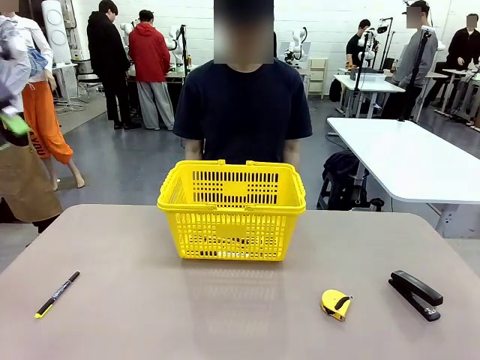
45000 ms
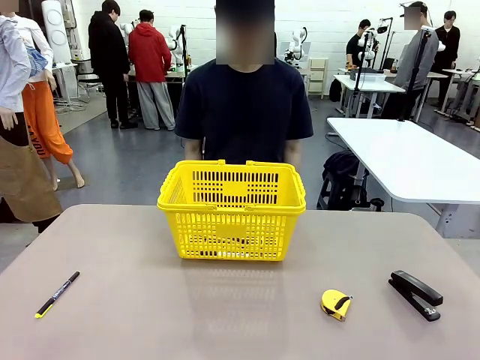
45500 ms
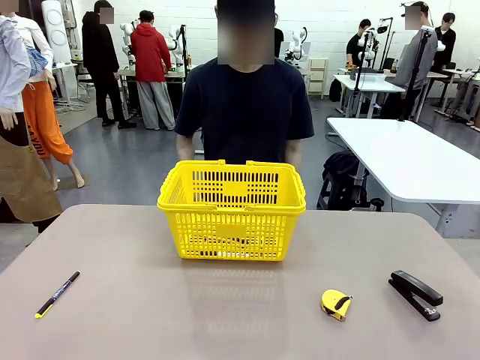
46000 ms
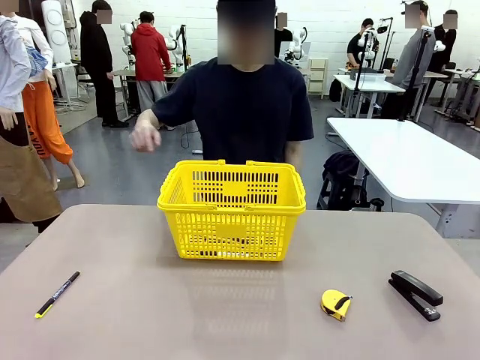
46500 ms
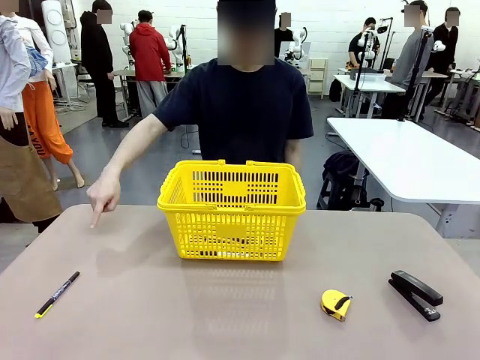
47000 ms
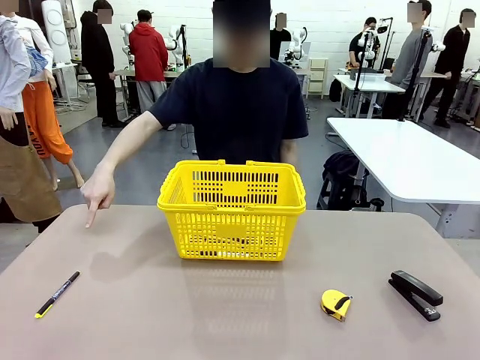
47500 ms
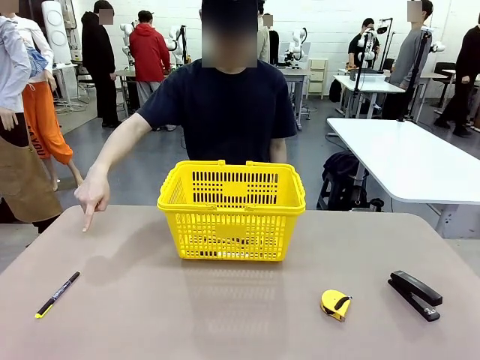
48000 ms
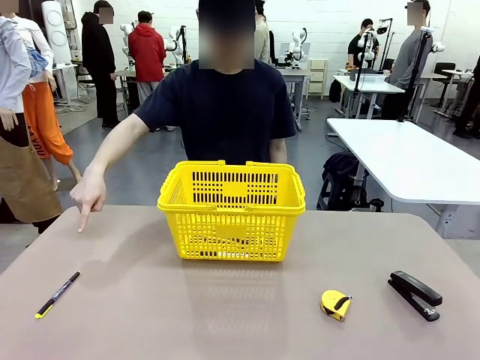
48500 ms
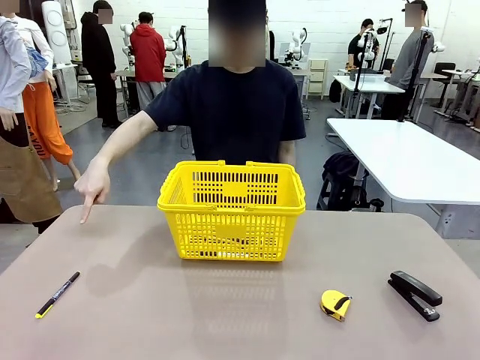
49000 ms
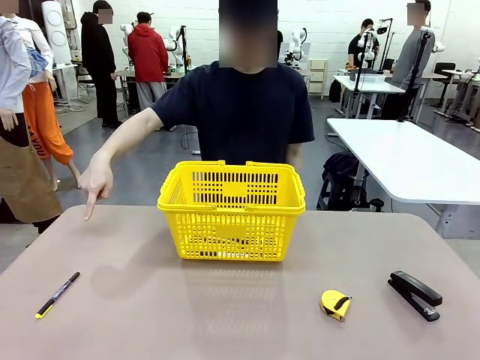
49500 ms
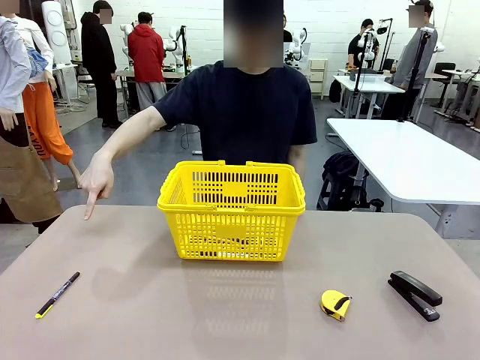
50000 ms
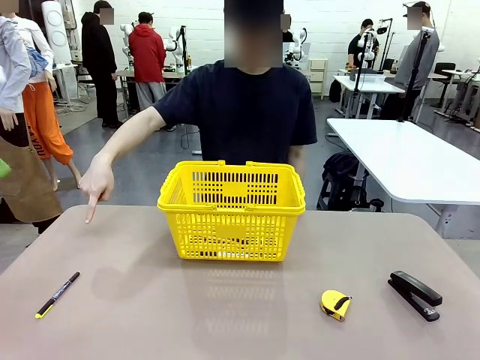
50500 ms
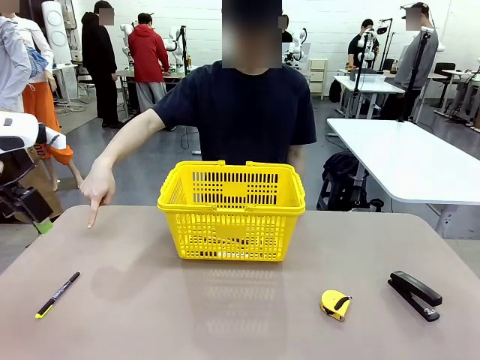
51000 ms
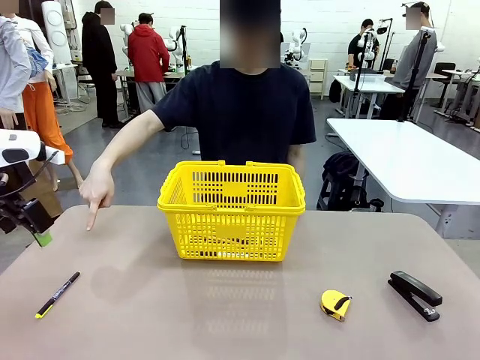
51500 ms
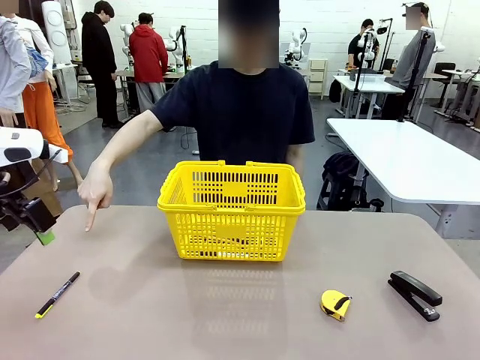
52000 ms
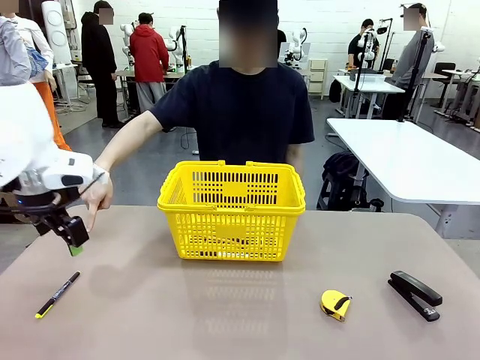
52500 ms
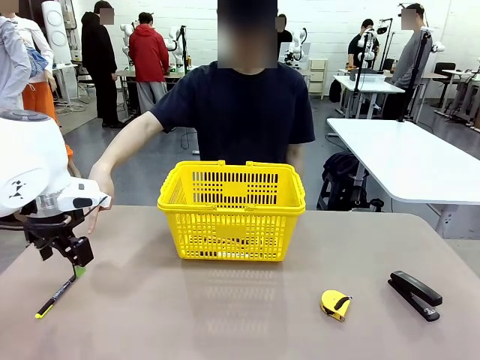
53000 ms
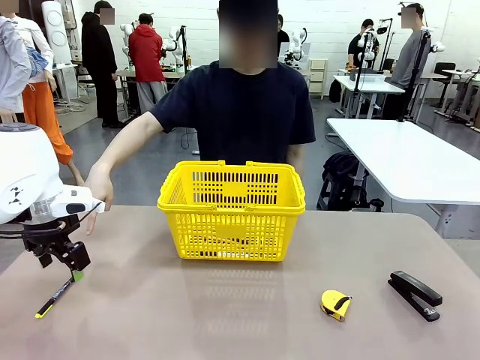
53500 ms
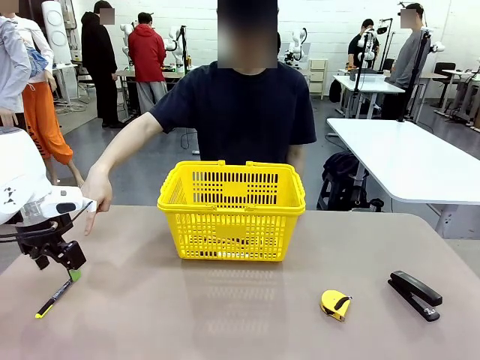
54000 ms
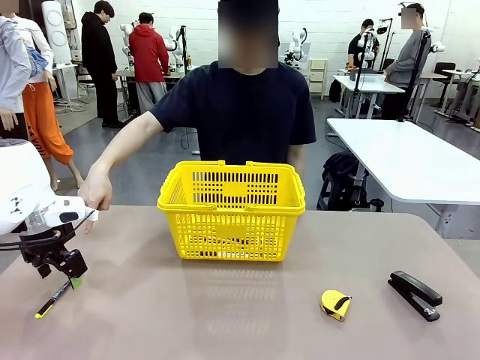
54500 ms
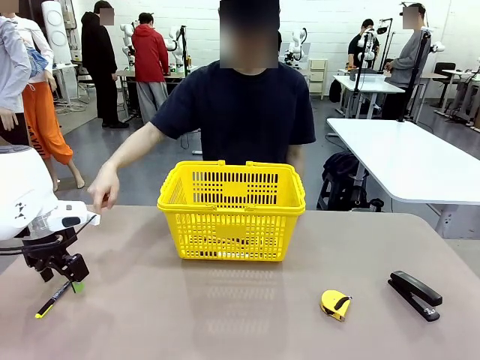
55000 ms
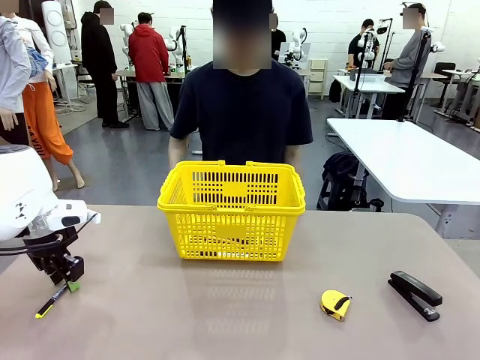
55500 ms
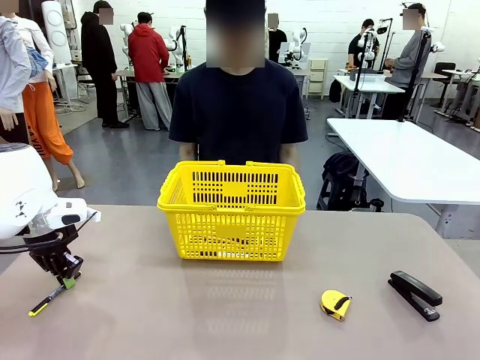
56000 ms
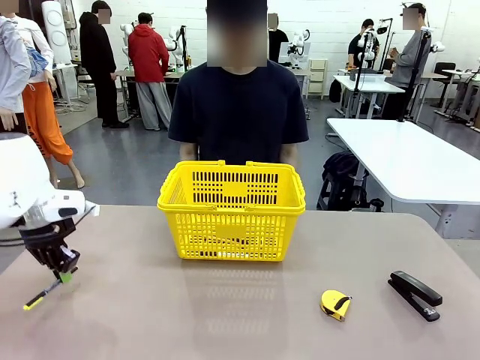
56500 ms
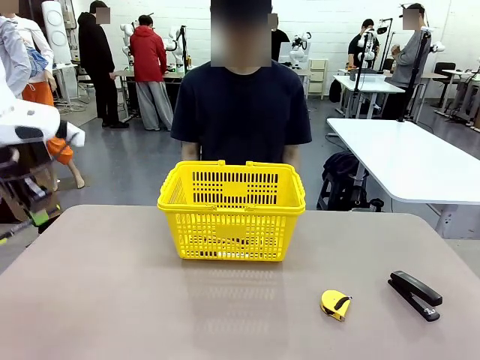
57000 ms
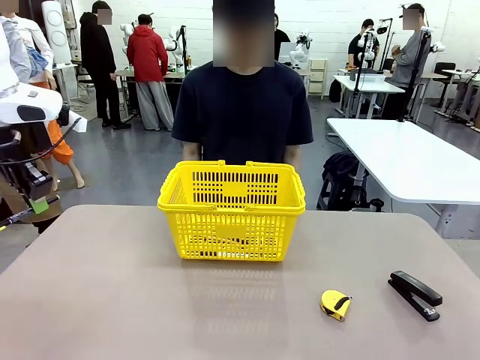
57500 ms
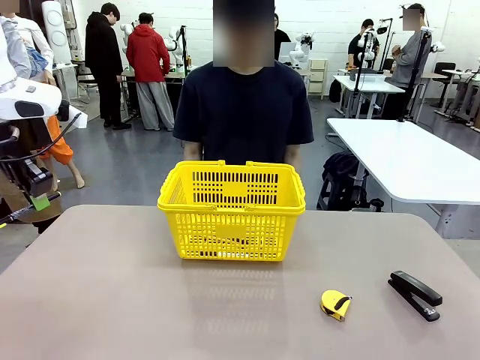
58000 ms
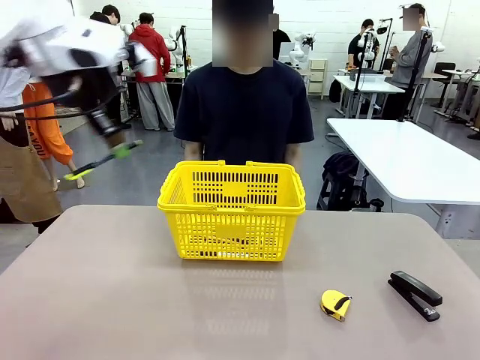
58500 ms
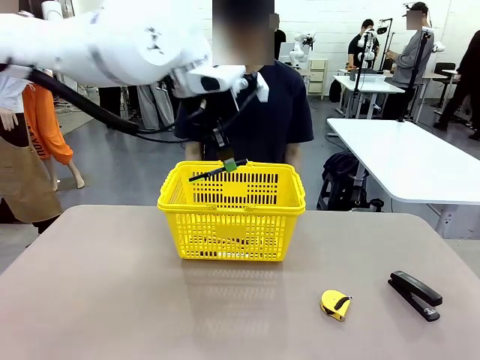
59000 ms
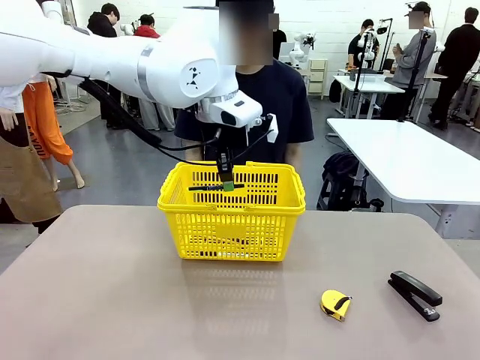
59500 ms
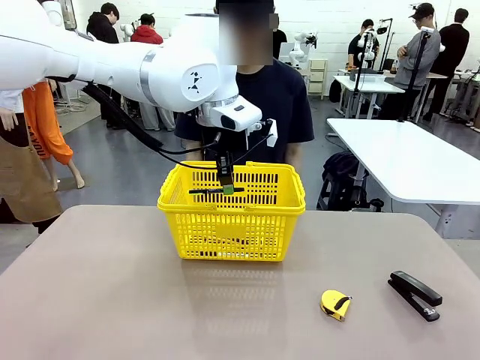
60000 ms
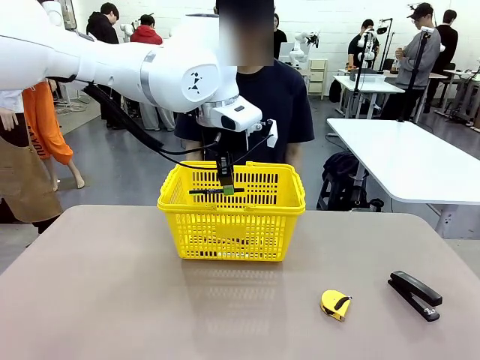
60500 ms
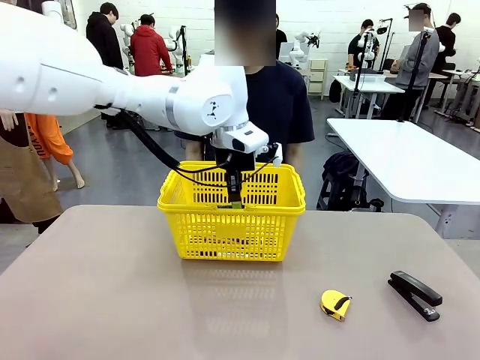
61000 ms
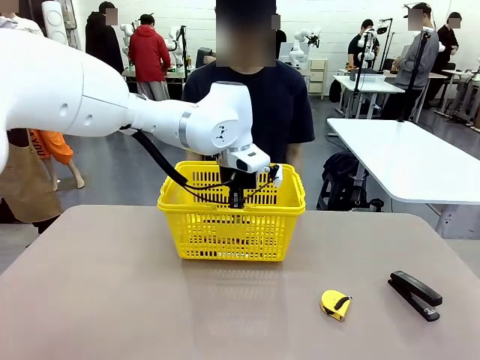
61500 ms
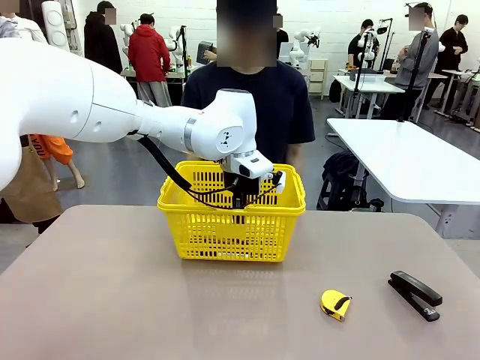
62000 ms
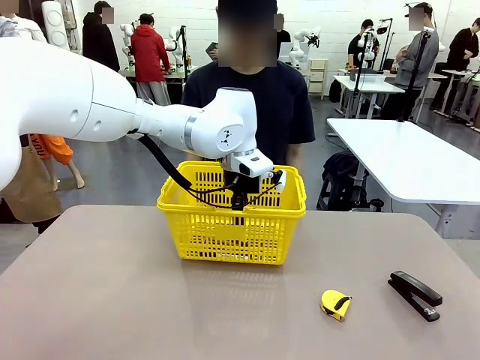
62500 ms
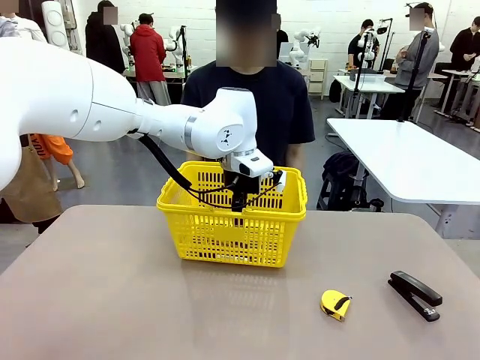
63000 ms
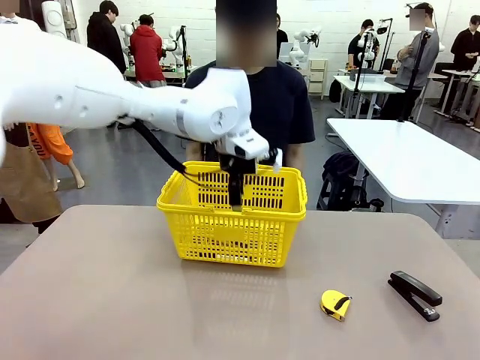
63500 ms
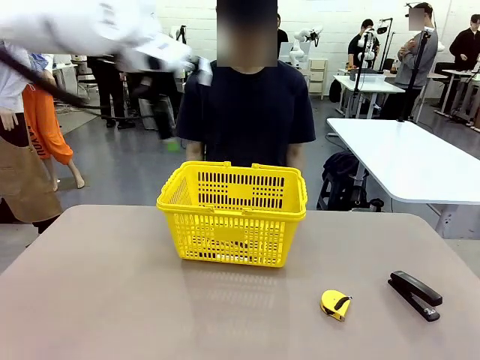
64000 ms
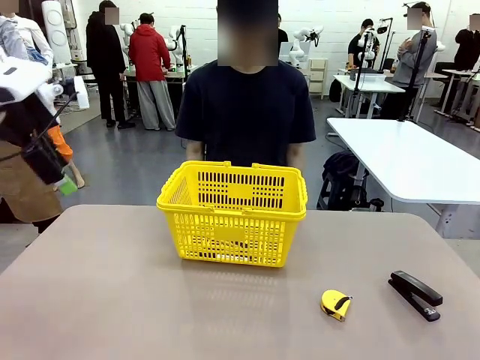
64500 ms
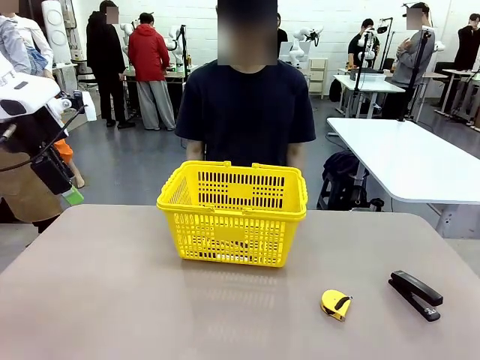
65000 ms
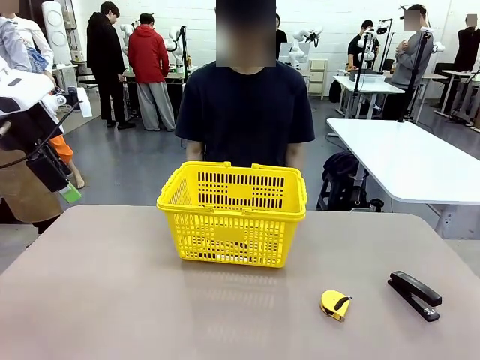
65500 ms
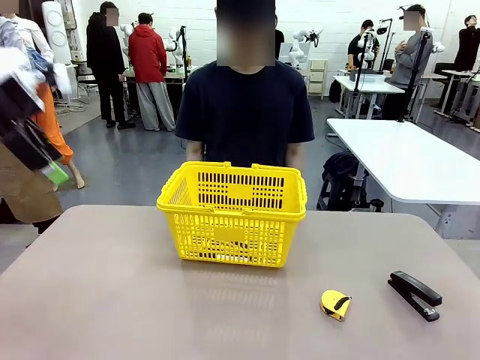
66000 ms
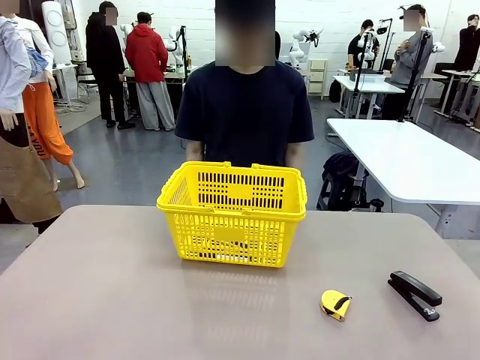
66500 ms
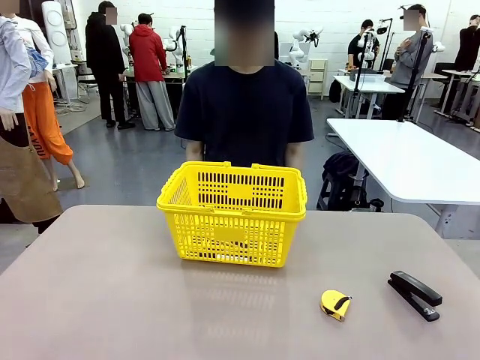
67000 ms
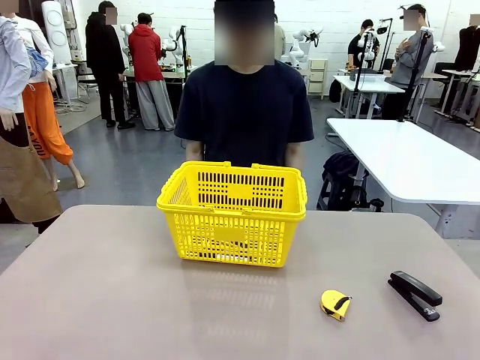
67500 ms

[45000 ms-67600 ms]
Task: Place the items the person wants into the basket.
Robot: Pick up the item the person points to and place it in the Market Basket.
